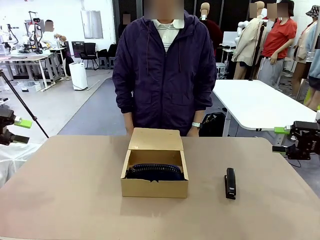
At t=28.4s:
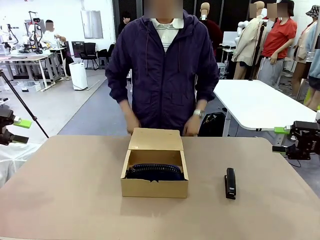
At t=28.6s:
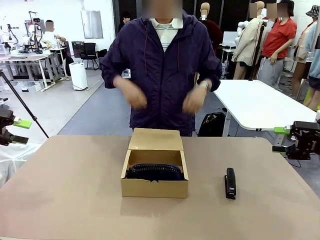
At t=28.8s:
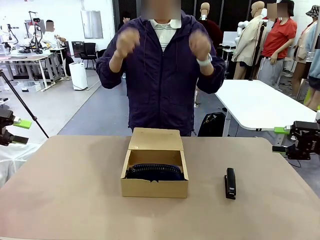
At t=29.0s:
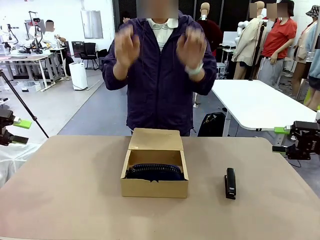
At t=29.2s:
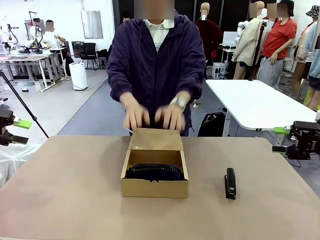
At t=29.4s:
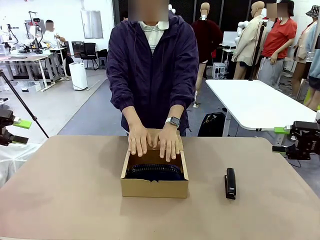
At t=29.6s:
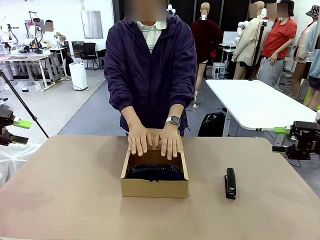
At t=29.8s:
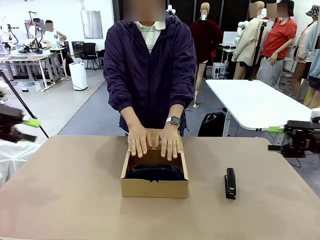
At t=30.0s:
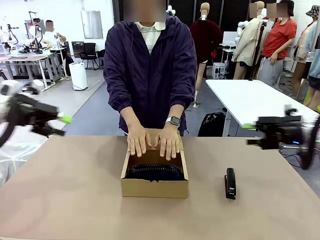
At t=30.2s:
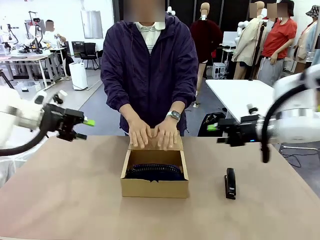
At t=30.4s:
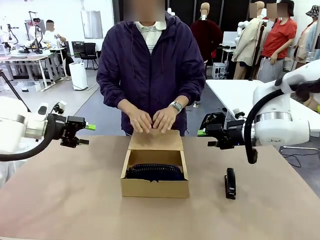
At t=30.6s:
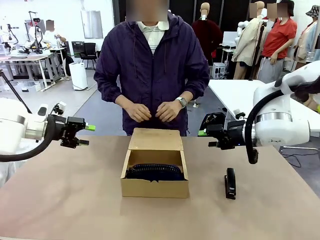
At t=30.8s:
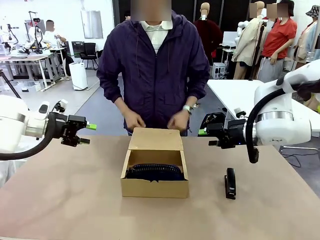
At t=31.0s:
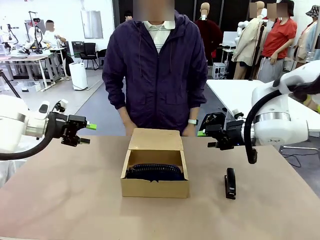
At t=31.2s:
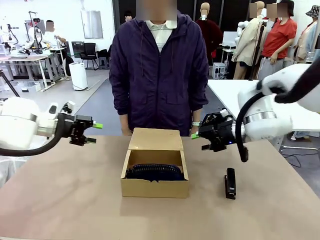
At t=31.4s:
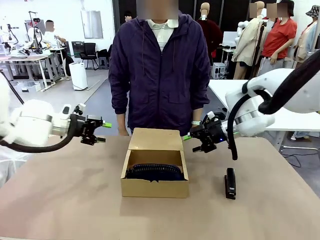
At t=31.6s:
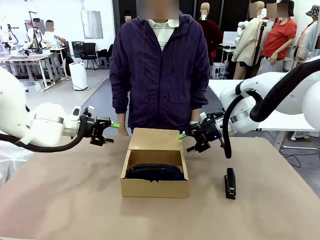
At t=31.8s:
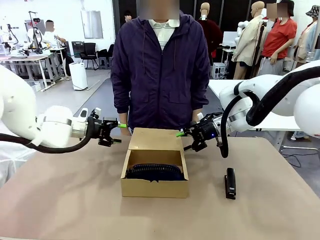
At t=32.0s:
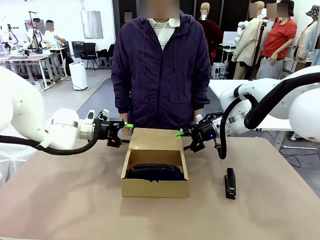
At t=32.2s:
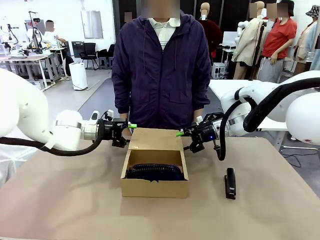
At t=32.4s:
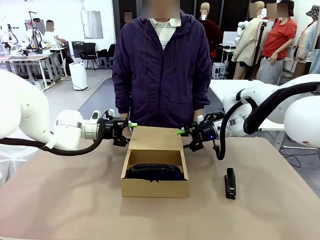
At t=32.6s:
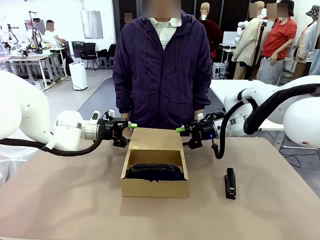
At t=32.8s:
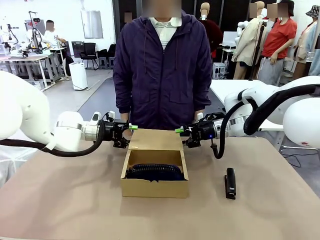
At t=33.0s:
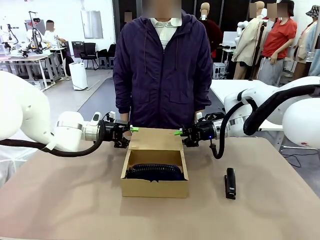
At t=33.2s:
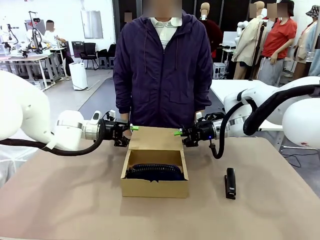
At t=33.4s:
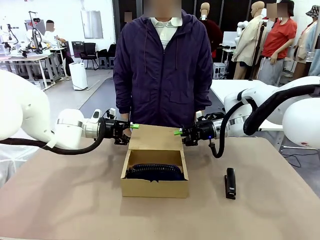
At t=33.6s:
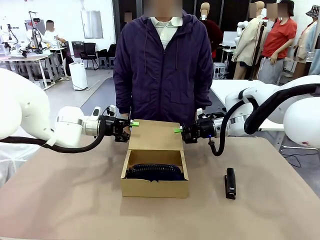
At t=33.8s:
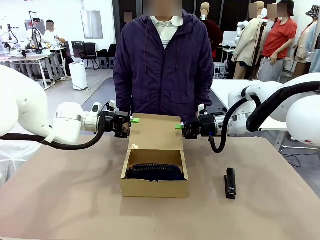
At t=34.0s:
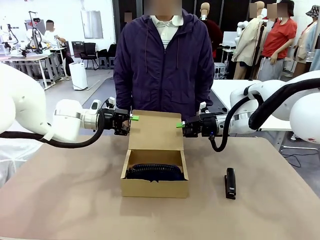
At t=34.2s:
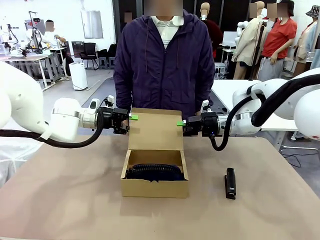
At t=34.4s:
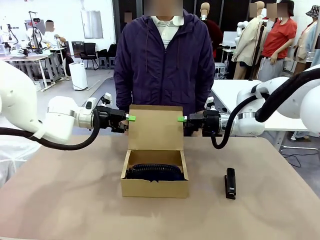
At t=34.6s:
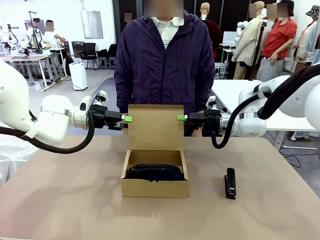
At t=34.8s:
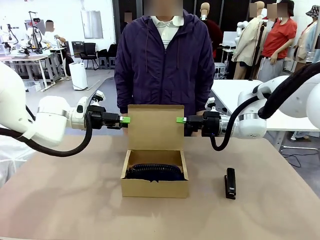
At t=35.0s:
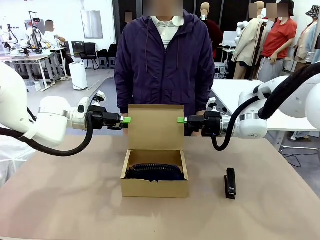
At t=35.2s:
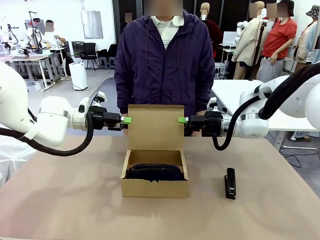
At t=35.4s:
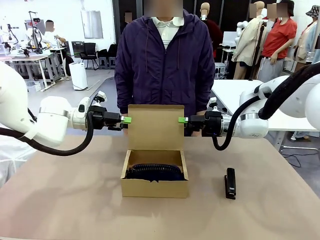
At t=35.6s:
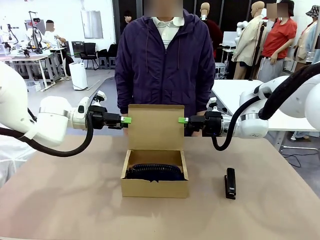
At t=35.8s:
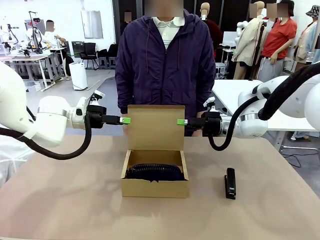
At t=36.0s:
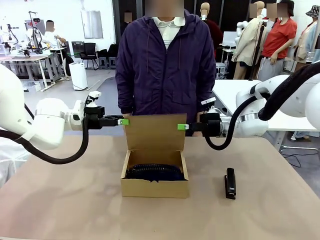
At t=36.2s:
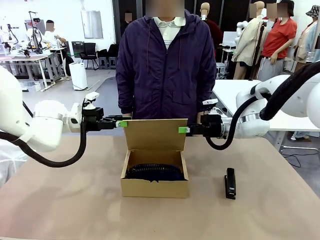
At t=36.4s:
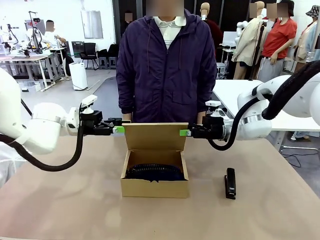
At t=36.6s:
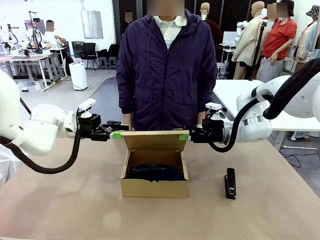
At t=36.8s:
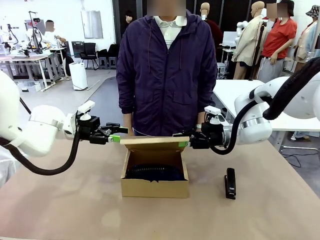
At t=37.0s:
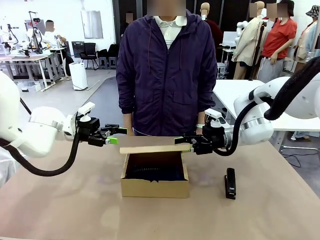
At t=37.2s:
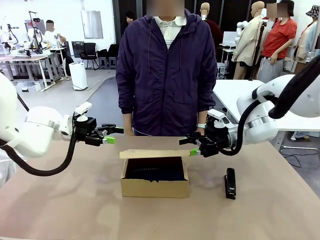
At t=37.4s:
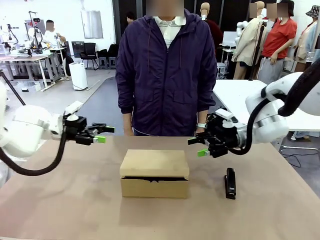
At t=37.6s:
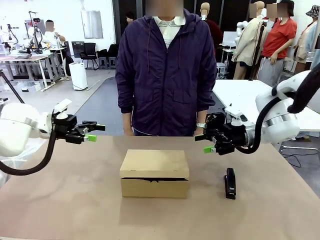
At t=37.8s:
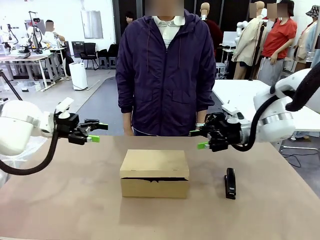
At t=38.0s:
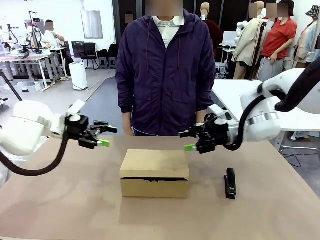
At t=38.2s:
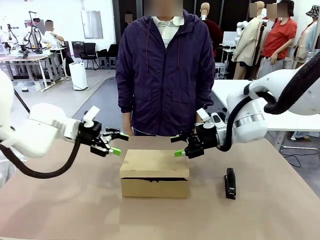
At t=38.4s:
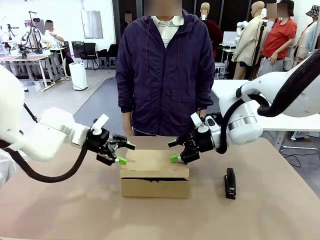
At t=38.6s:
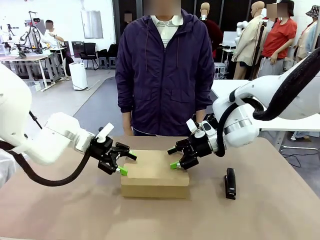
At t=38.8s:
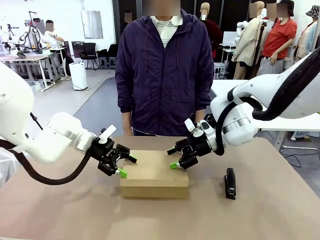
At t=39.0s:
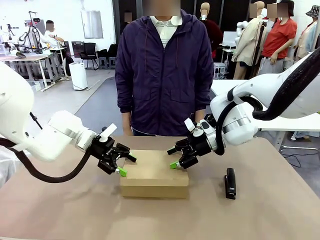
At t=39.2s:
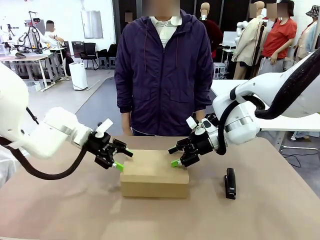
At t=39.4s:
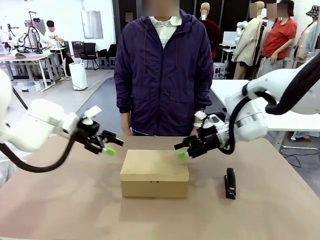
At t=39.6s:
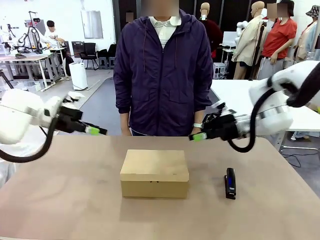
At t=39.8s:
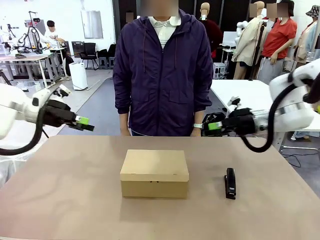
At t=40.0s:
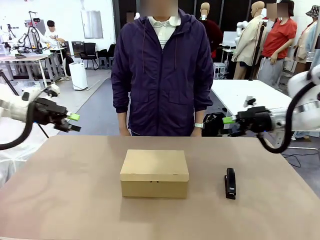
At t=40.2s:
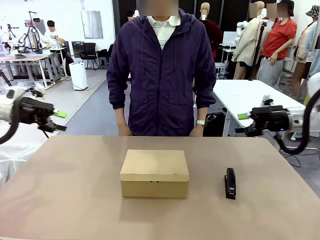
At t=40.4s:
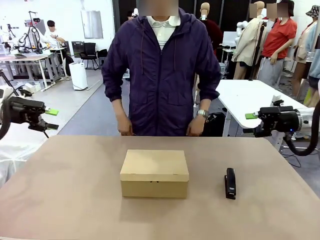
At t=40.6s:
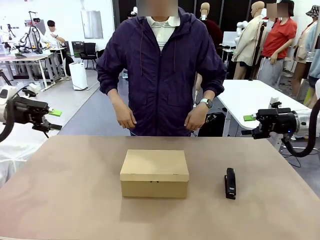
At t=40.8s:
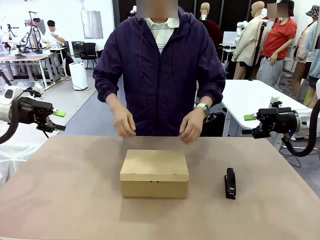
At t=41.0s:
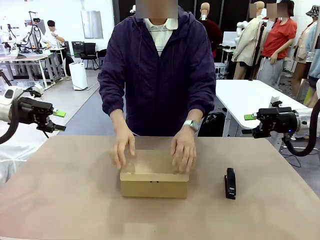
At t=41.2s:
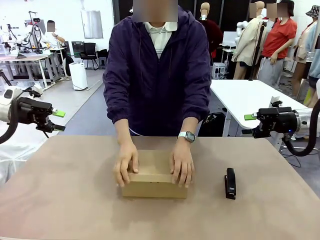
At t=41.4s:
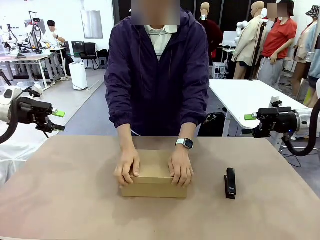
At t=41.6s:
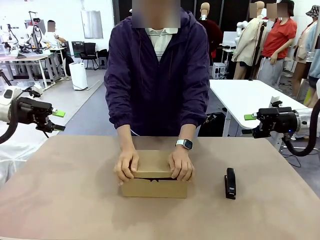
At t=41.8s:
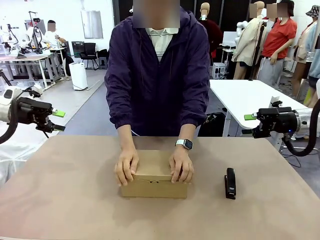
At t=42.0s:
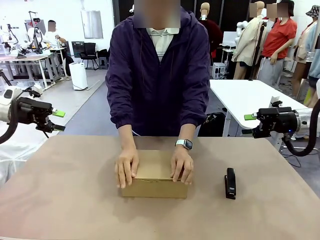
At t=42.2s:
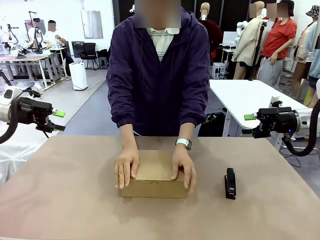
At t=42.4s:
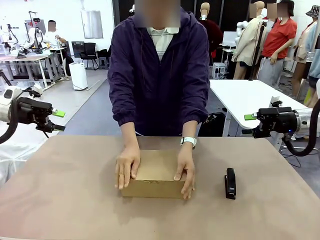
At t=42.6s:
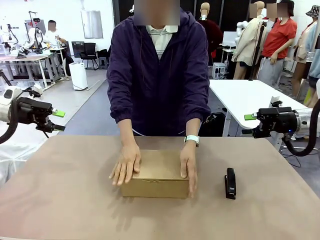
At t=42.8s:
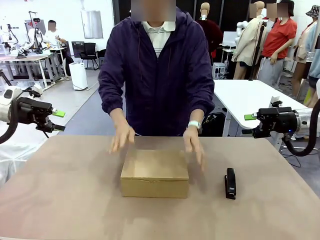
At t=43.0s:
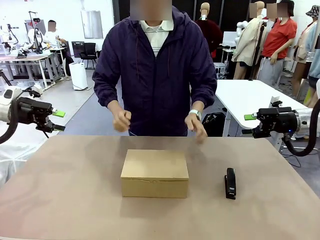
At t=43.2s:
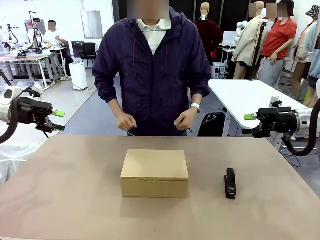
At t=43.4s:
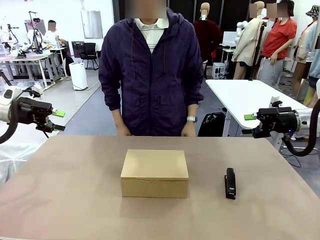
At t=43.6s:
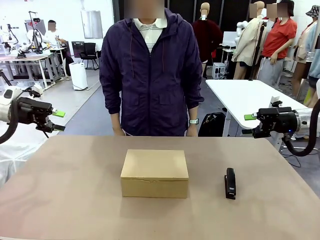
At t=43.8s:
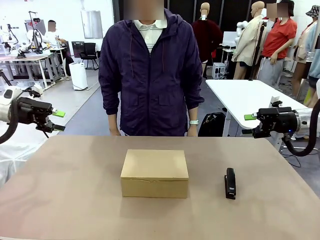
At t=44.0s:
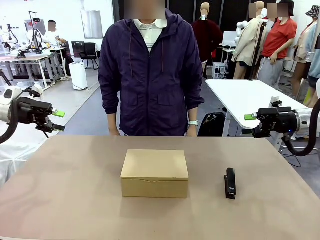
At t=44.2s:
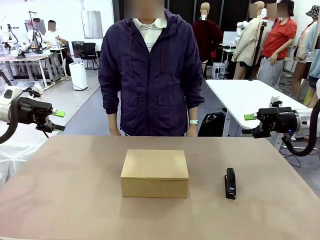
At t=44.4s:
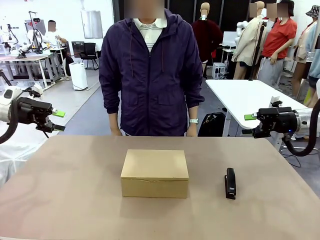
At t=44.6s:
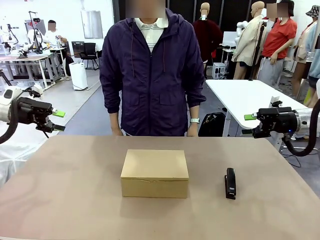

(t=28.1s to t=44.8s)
Task: Pack the items into the box.
Robot: Close the Mailer Box.
Person: Turn the box and lock it.
